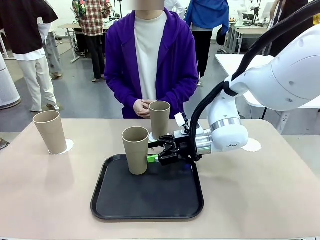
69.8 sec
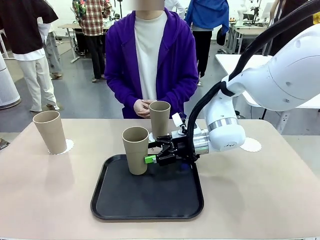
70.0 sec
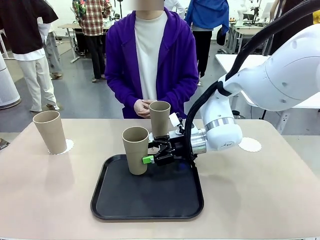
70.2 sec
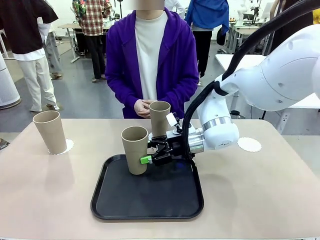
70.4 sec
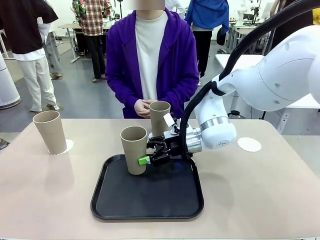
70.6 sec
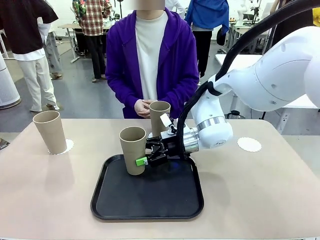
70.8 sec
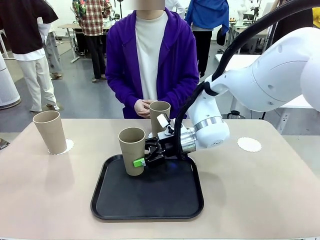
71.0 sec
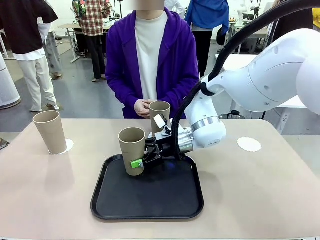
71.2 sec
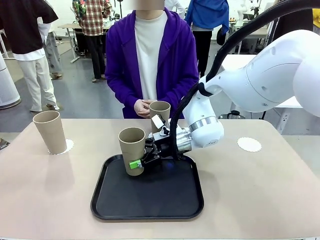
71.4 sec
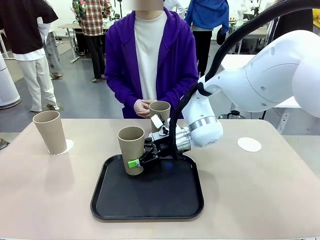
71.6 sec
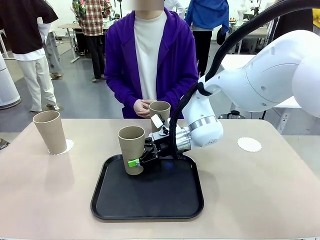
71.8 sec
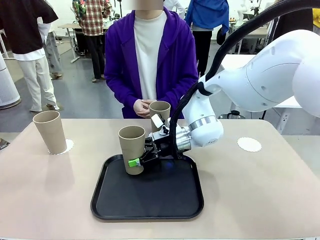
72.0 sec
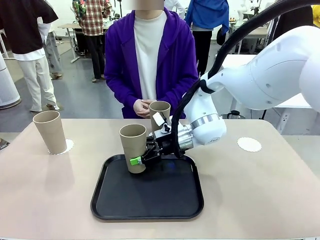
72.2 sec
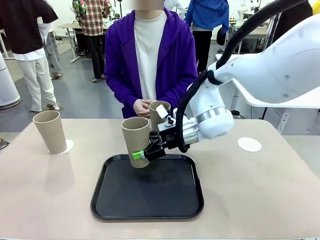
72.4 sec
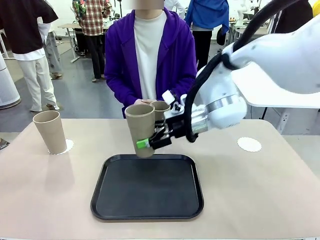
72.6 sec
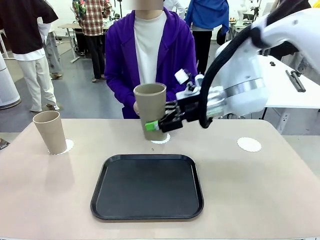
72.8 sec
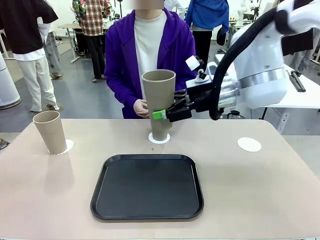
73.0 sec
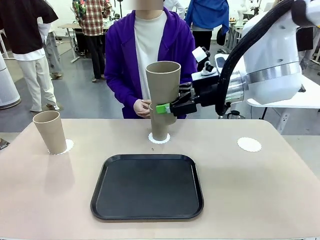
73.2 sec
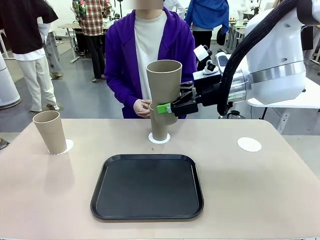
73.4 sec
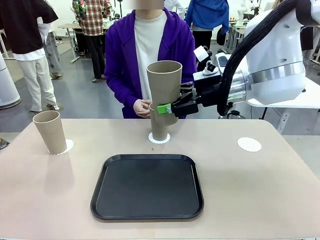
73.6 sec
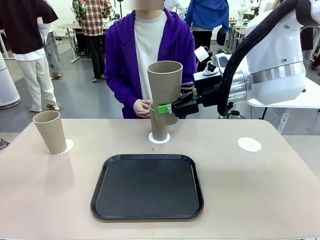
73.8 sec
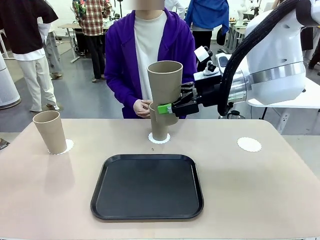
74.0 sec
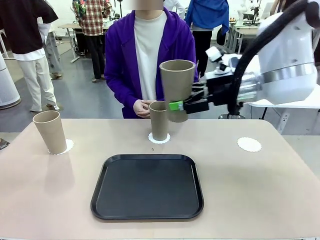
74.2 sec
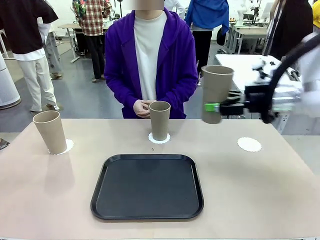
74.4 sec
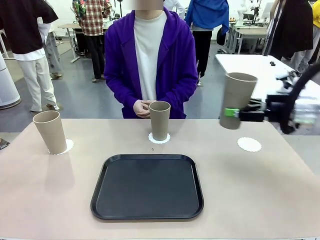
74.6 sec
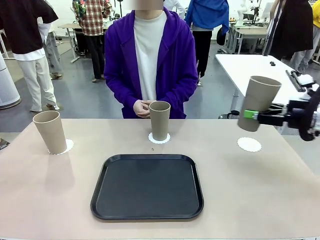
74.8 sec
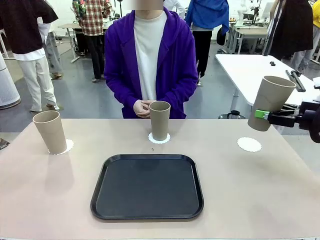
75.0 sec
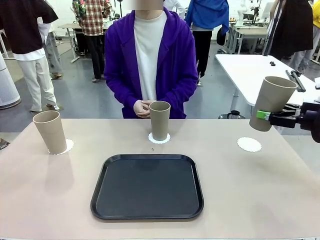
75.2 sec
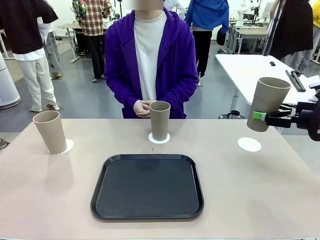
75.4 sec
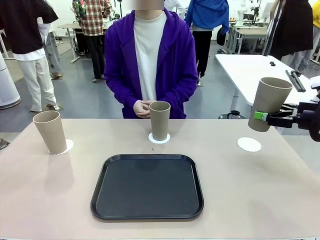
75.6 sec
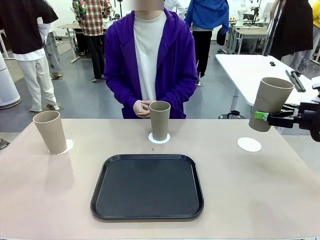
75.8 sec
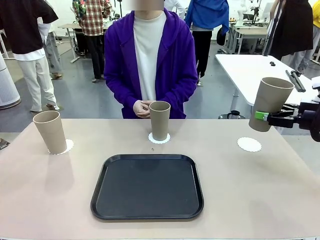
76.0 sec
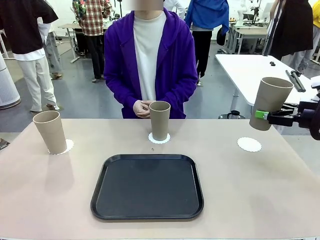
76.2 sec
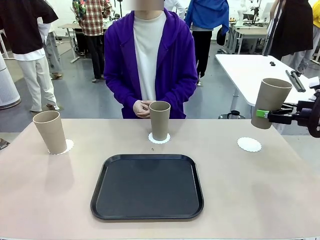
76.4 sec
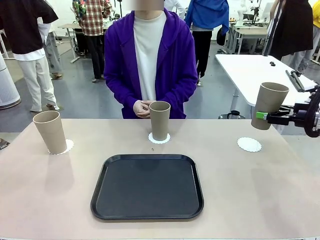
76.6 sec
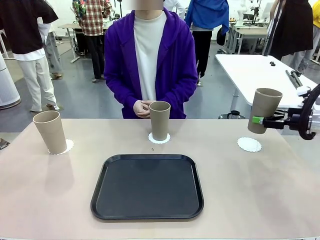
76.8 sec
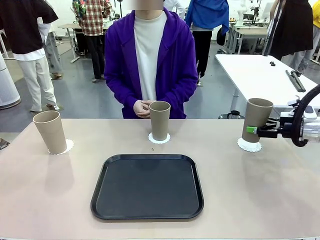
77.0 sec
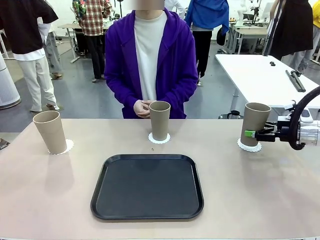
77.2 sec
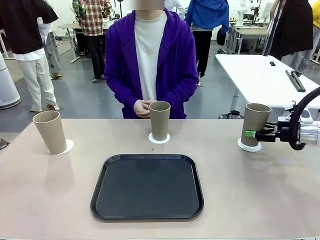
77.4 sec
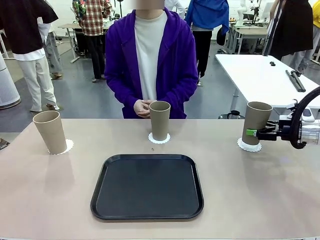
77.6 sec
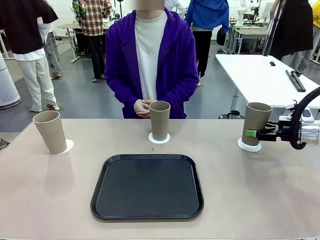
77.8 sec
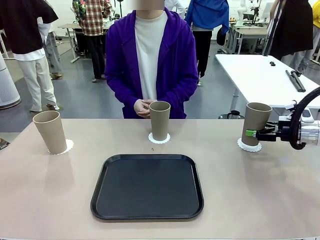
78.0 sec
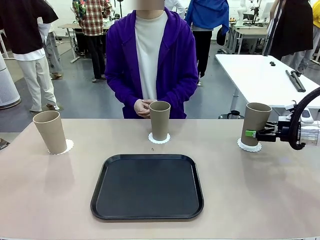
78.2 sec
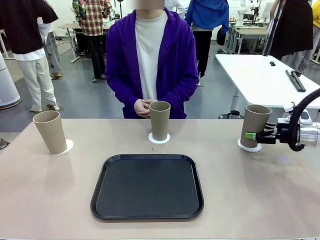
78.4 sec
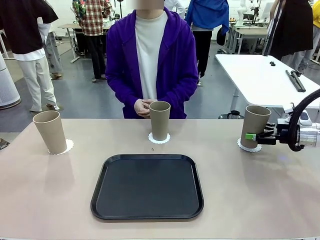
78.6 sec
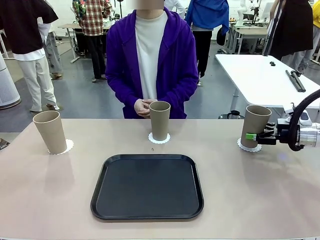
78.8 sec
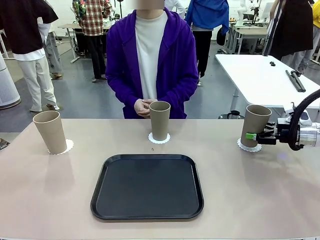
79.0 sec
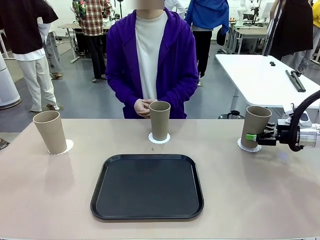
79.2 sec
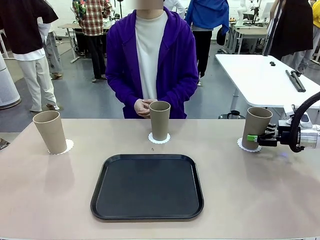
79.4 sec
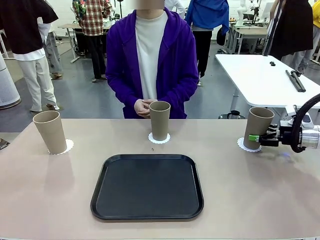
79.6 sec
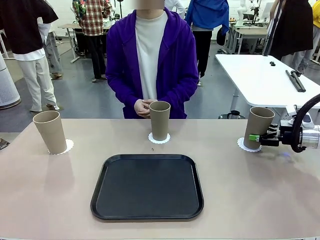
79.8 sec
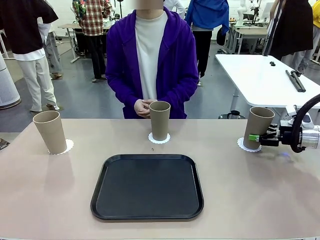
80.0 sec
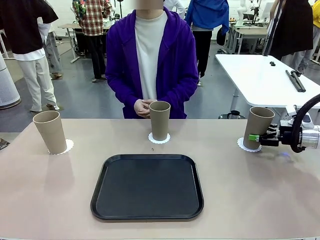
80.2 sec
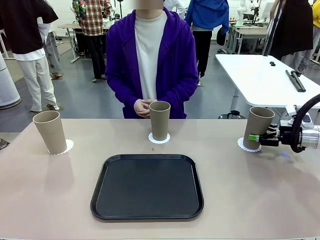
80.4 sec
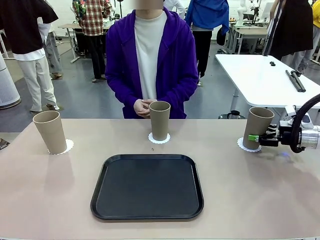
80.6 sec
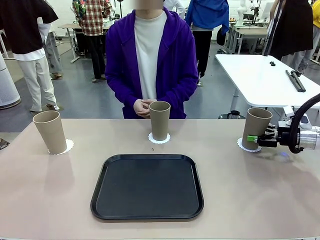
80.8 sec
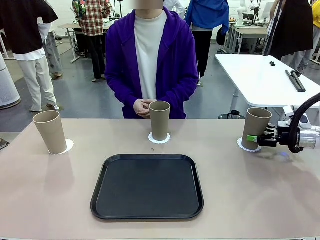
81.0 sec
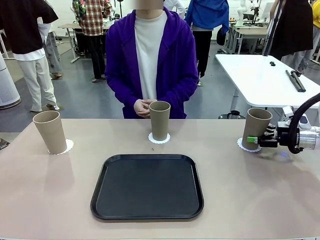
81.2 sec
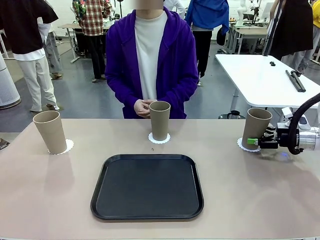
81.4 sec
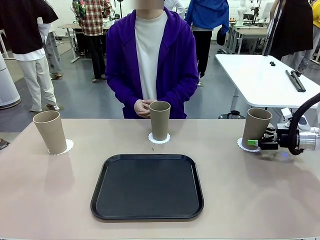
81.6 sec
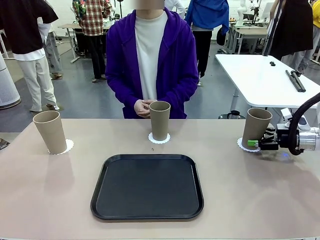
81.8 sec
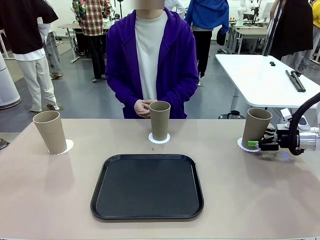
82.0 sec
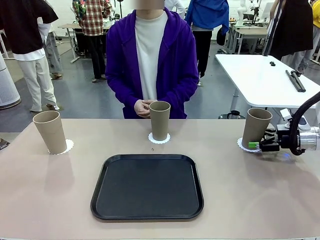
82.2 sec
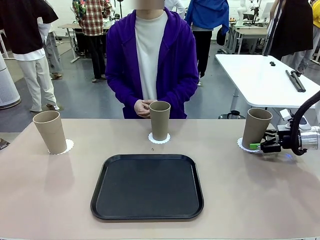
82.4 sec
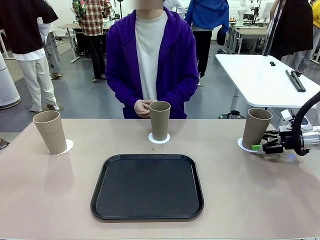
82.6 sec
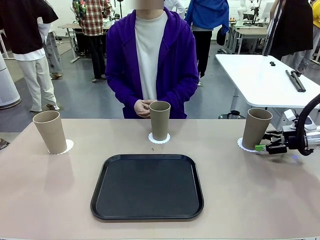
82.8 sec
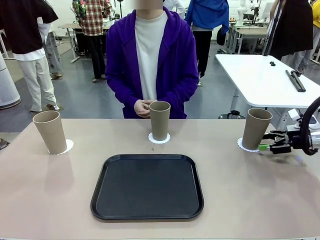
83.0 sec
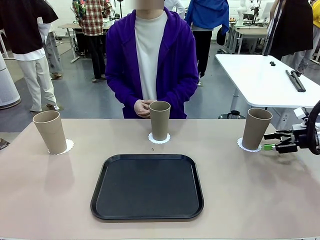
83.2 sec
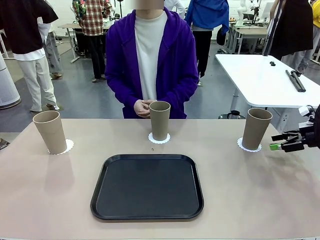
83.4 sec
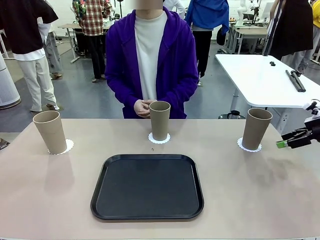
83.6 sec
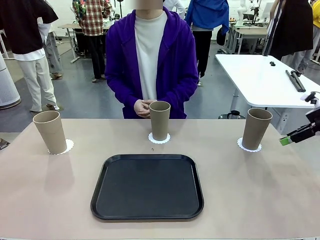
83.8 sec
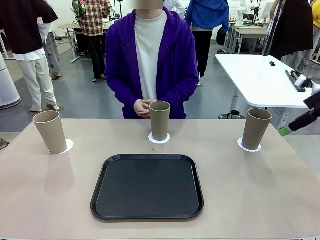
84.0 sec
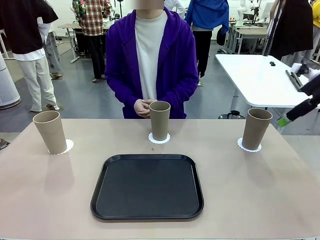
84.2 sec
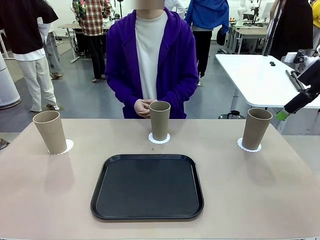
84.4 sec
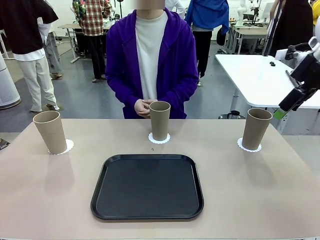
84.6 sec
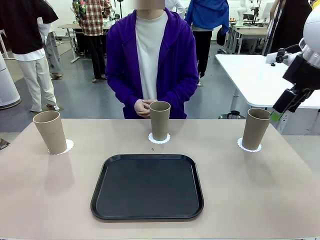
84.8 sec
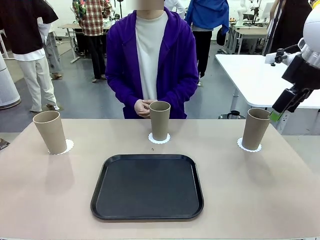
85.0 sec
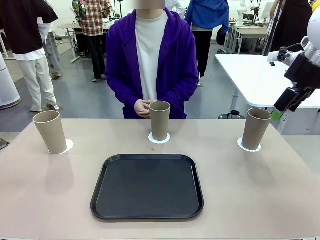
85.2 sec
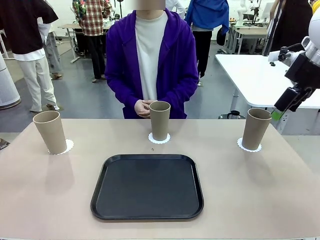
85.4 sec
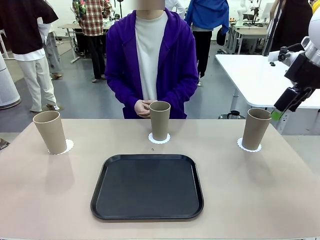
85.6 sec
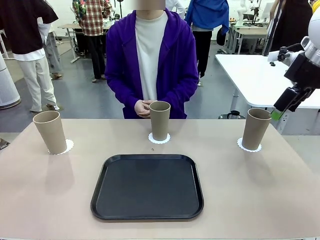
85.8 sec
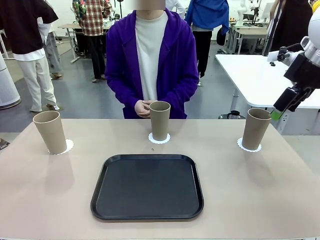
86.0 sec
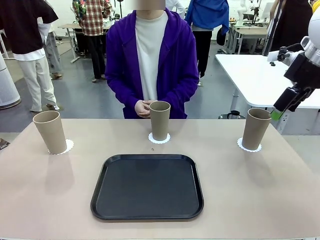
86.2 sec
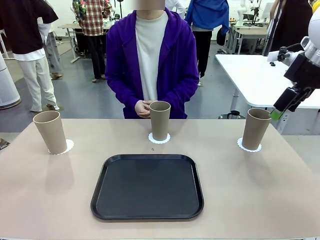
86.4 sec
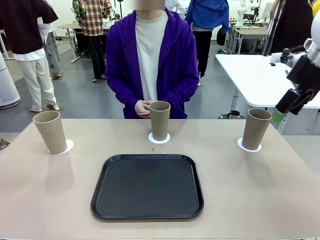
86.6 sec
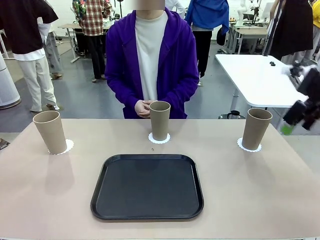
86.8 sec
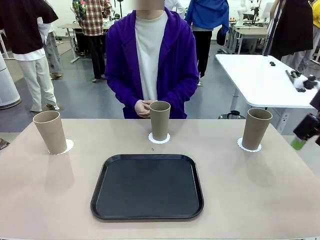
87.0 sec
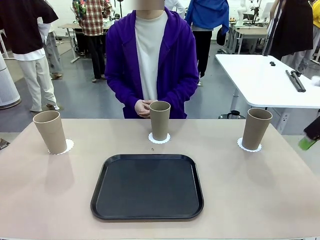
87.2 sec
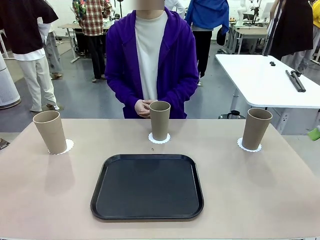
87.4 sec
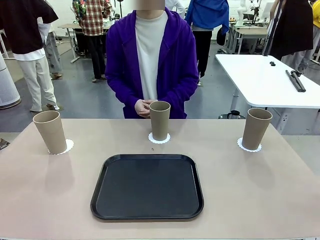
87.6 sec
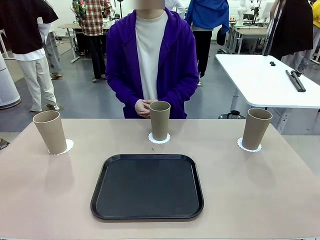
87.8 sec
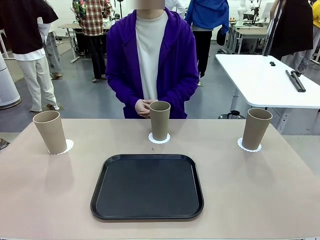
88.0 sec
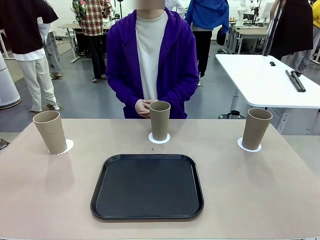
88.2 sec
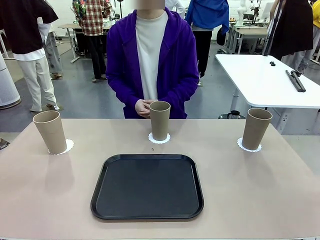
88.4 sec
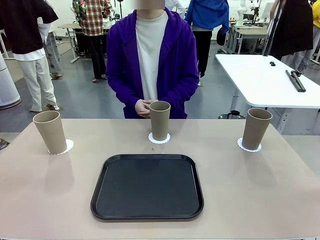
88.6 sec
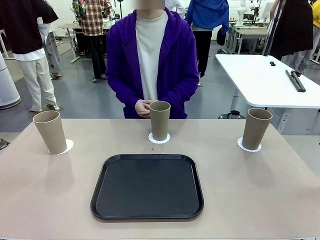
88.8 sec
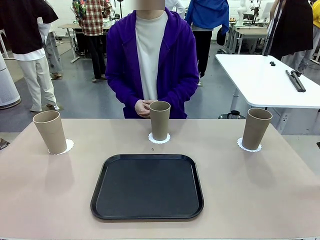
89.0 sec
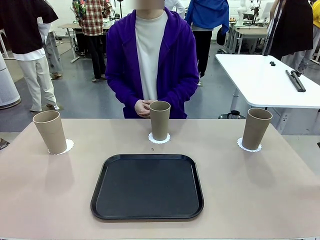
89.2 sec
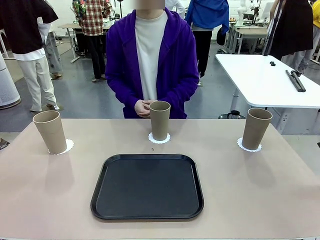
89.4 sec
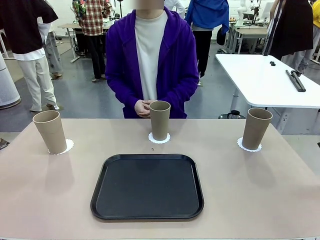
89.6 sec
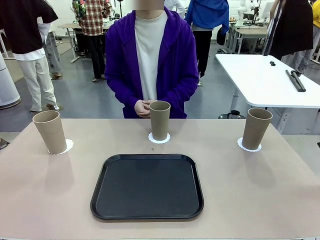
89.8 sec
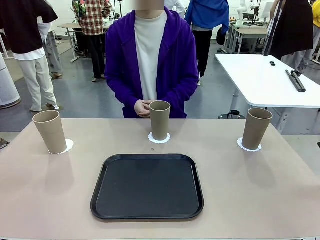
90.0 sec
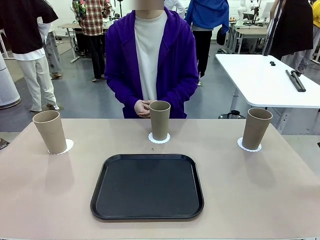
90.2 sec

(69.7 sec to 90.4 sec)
Task: Place coasters on the table and set cups on them.
Robot: Take one Reusable plastic cup from the Flat Tray and place it on a coaster set by the human.
